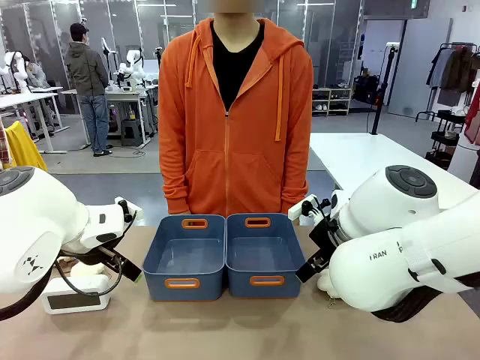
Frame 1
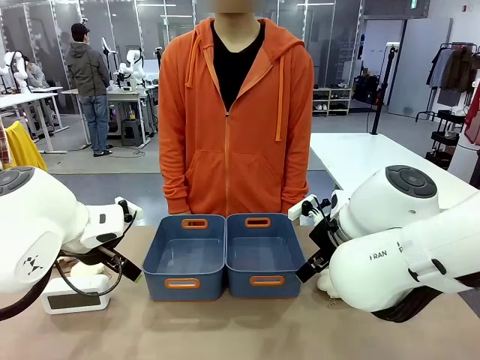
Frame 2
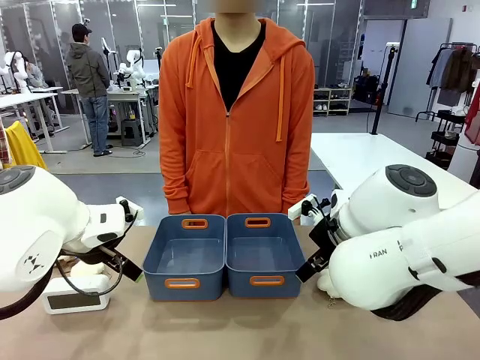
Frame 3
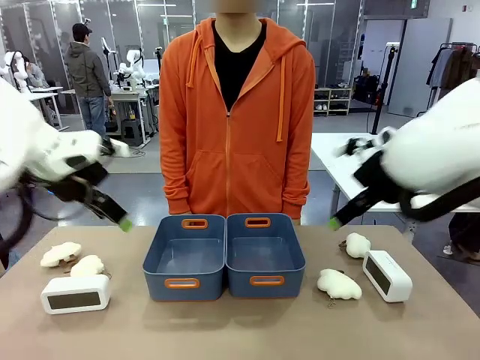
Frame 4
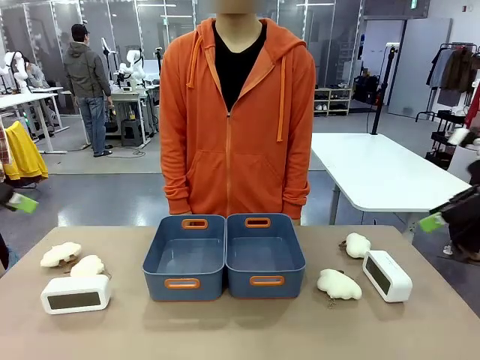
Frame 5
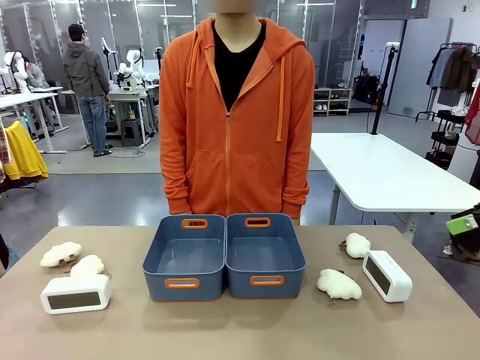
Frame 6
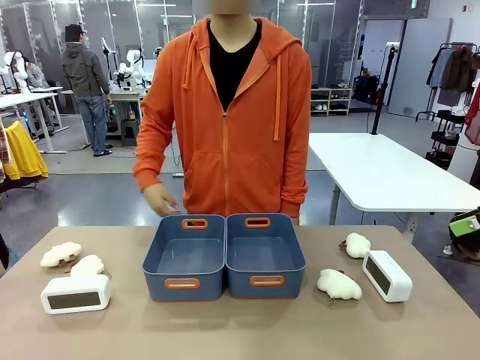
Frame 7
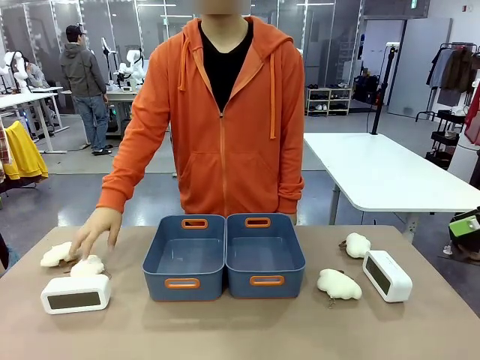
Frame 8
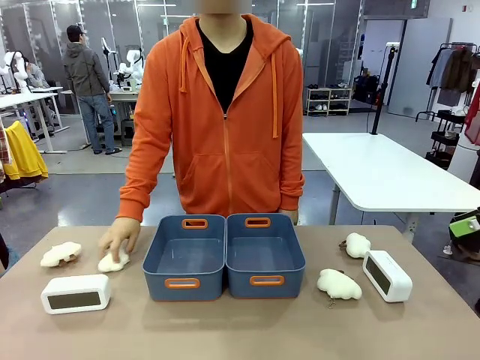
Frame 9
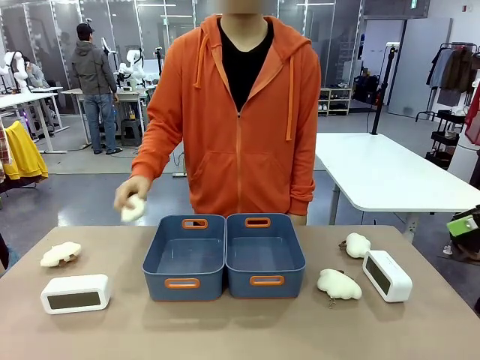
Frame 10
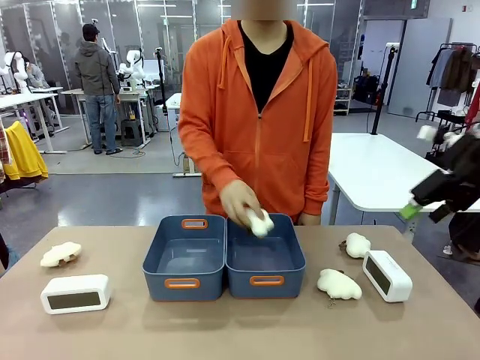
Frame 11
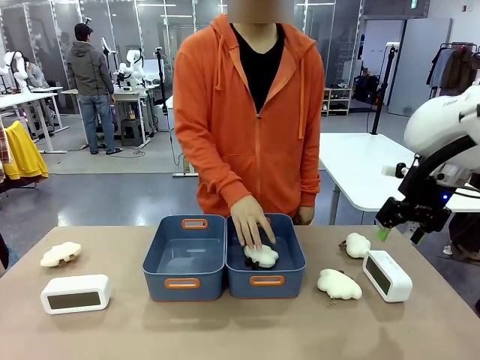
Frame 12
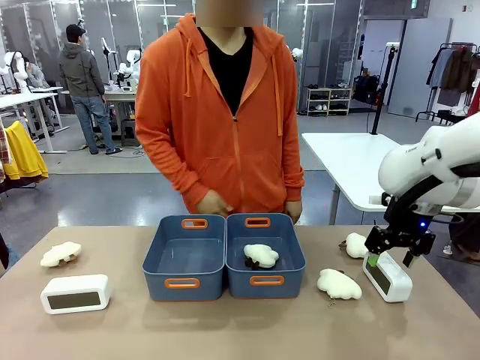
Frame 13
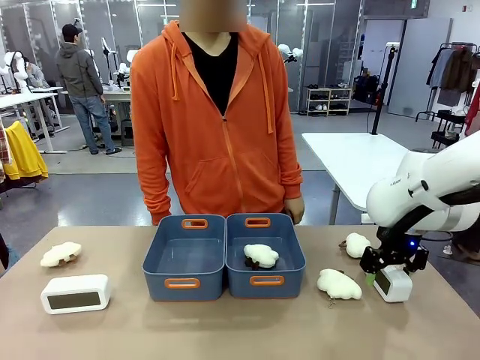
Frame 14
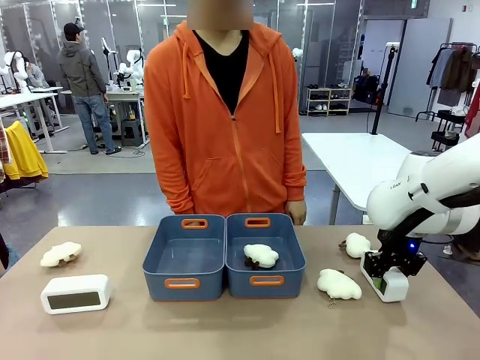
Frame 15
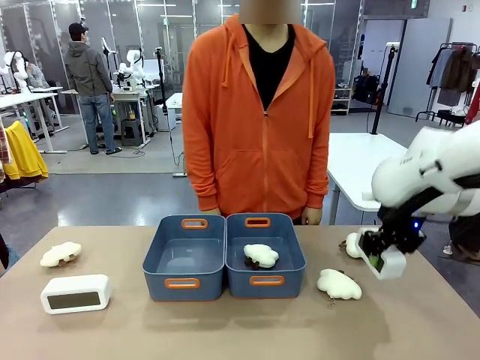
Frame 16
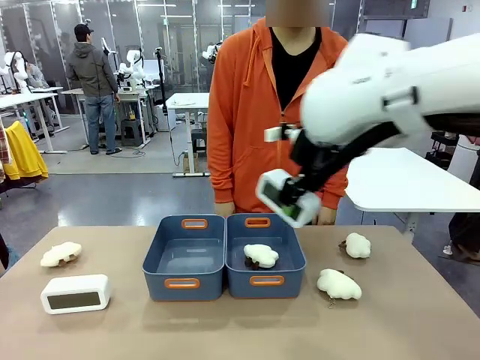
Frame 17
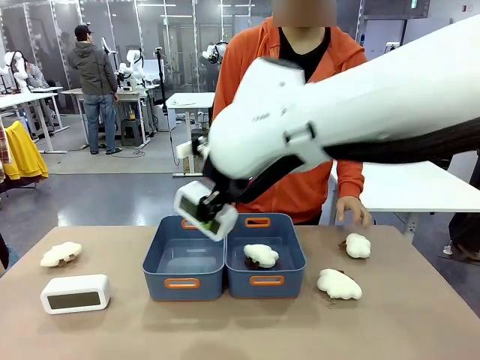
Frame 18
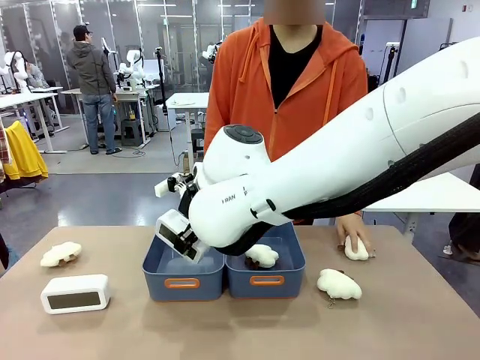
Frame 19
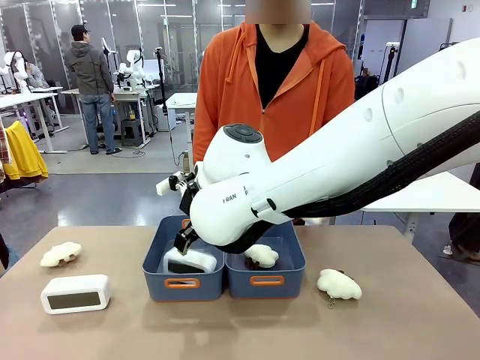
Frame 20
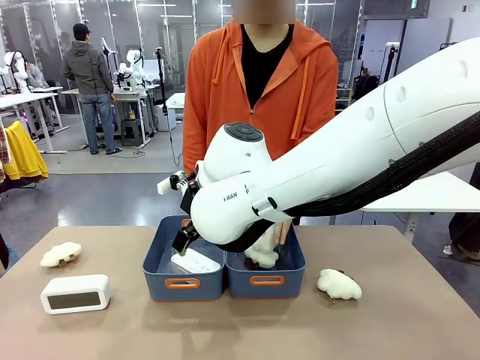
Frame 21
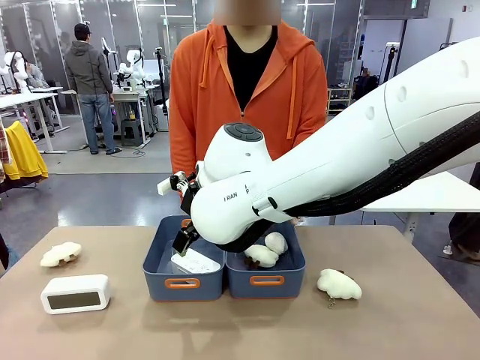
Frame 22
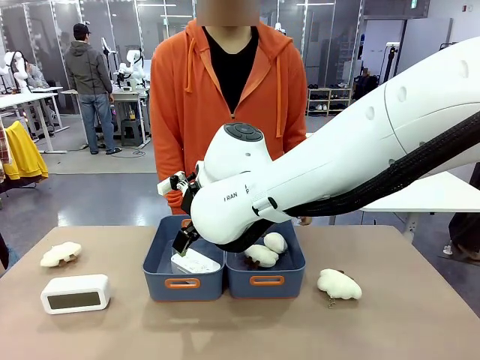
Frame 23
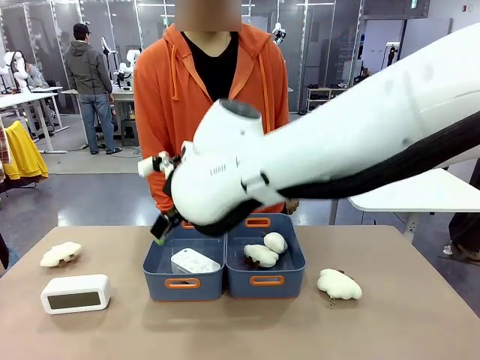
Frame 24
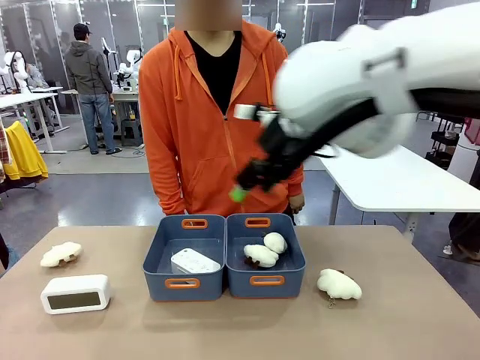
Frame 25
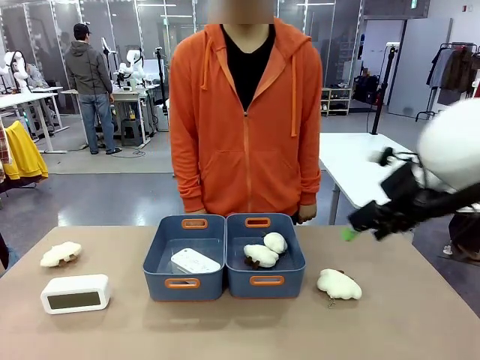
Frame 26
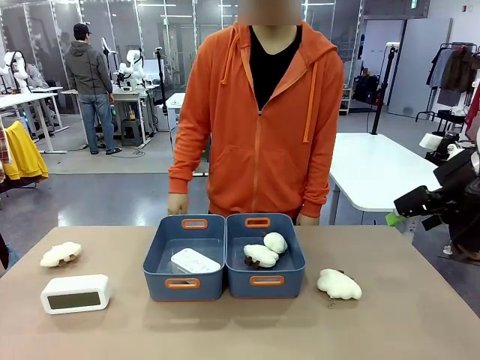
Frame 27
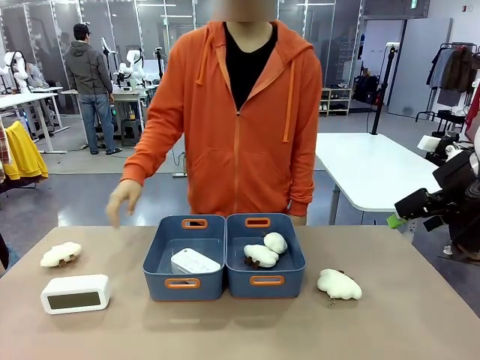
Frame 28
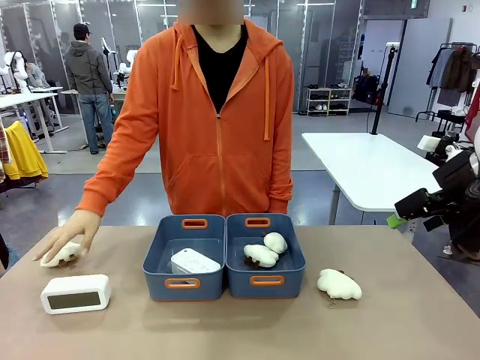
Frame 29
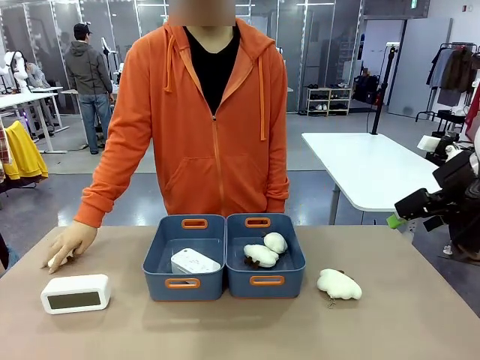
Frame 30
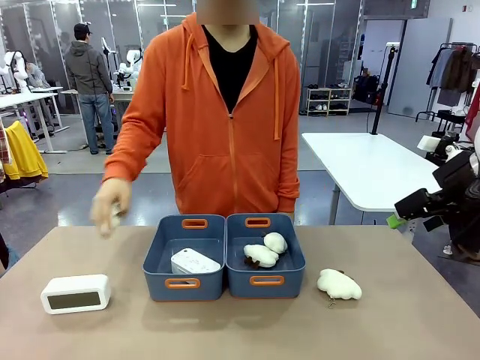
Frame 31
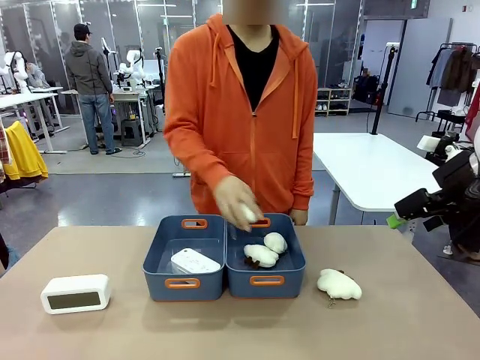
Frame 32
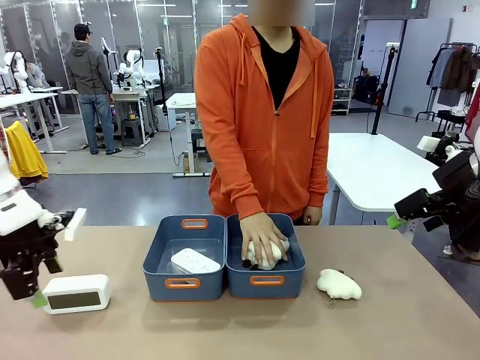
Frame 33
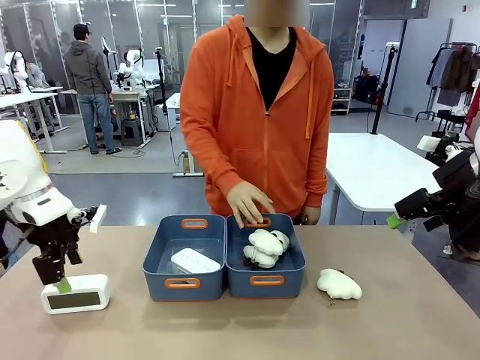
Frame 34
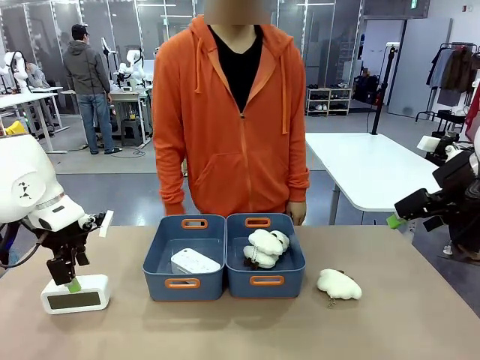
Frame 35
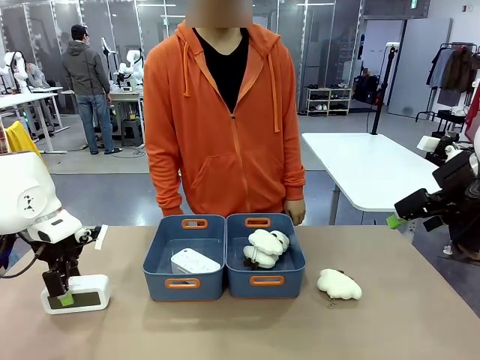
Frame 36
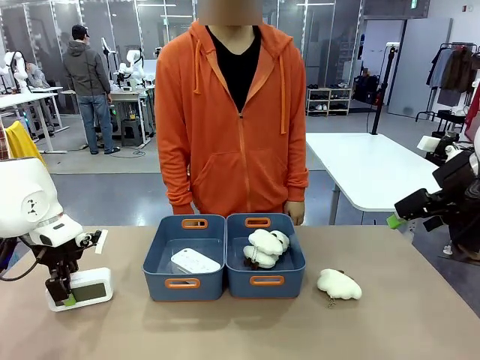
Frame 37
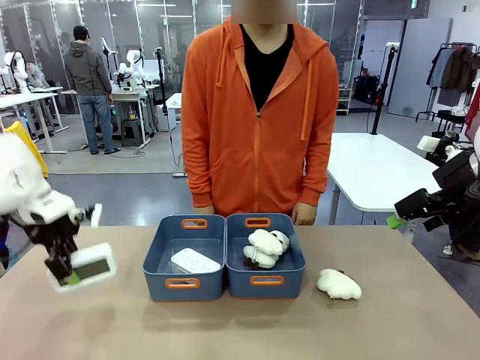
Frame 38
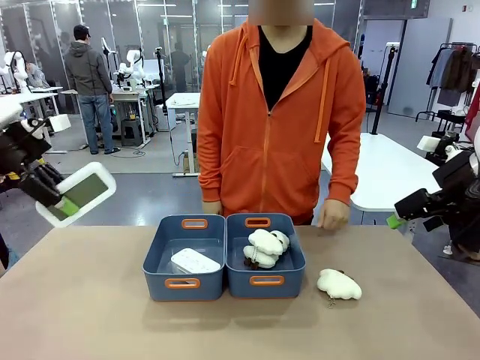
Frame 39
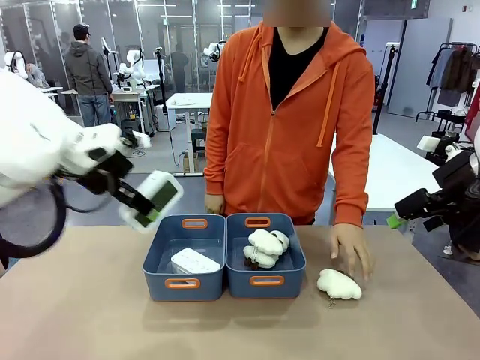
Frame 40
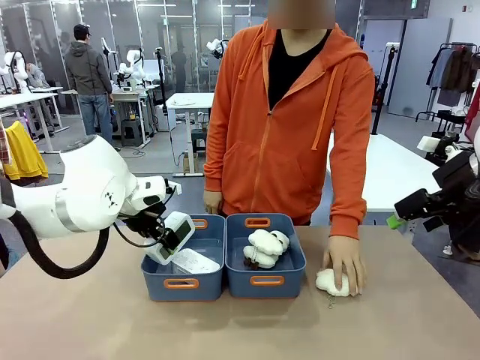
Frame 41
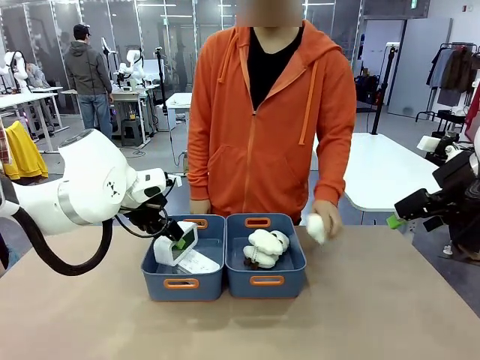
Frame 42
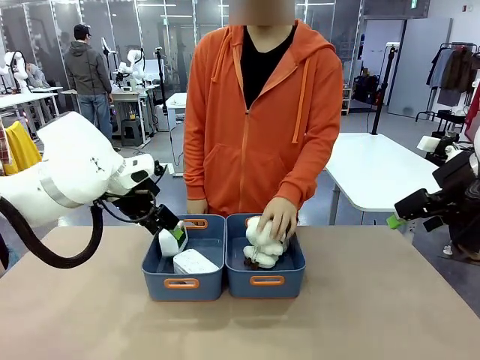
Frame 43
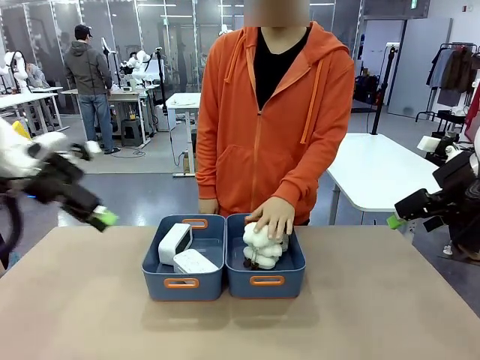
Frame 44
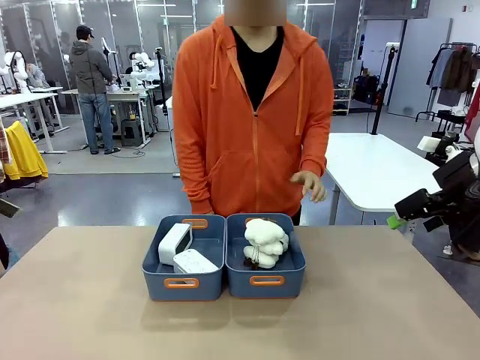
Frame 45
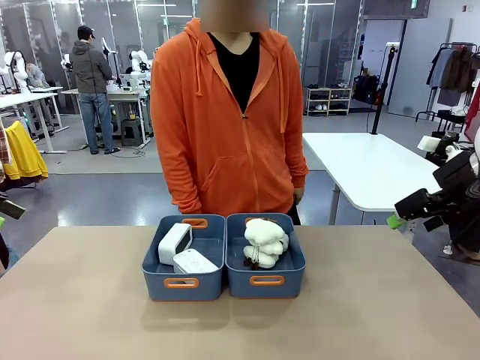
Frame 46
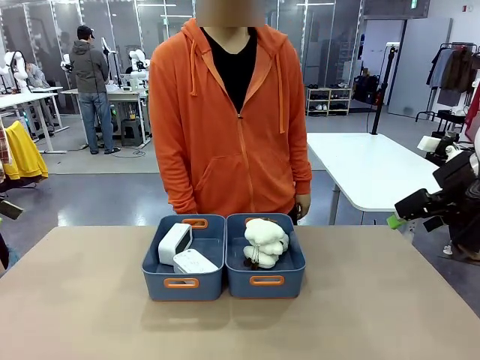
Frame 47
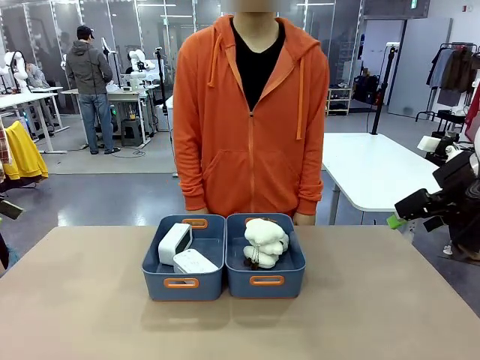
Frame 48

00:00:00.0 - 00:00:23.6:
Task: Sort the digital clocks into the basket.
Robot: Pick up the Digital clock from the table and place it into the empty Plastic storage basket.
Person: Pick up a plush toy from the table and place it in a plastic storage basket. Pick up a plush toy from the table and place it in the plastic storage basket containing the plush toy.
